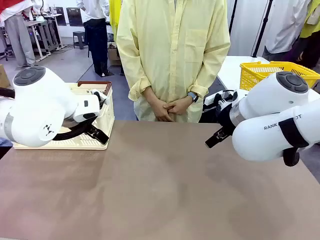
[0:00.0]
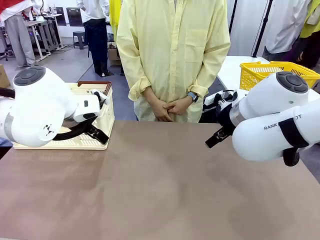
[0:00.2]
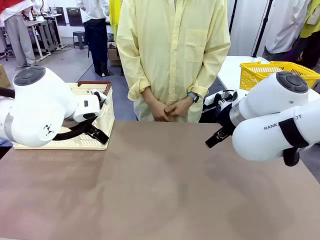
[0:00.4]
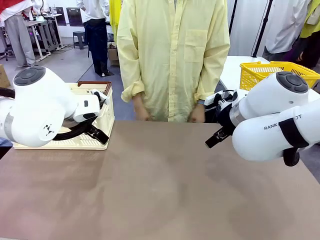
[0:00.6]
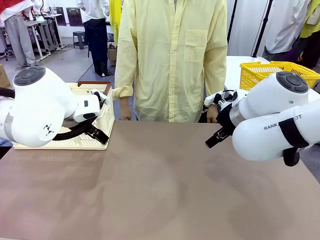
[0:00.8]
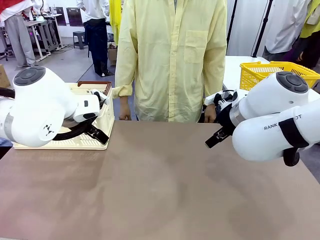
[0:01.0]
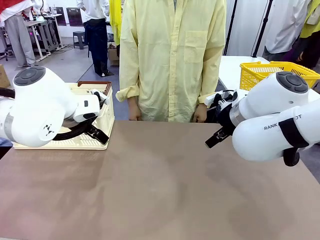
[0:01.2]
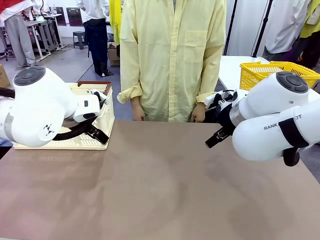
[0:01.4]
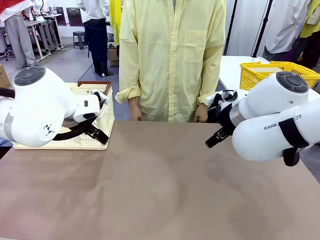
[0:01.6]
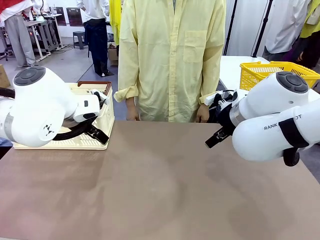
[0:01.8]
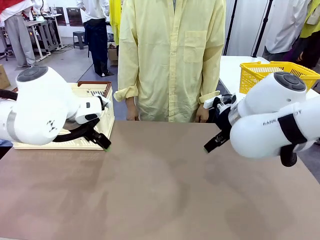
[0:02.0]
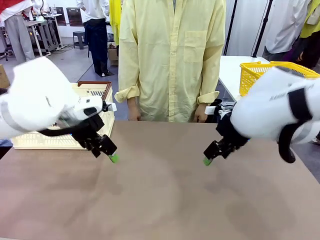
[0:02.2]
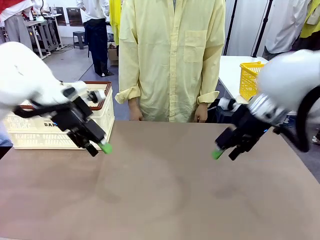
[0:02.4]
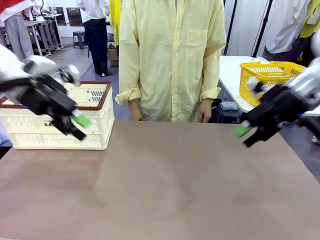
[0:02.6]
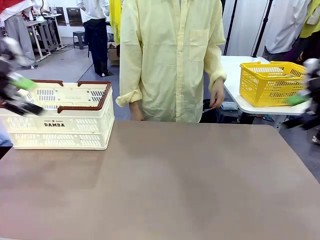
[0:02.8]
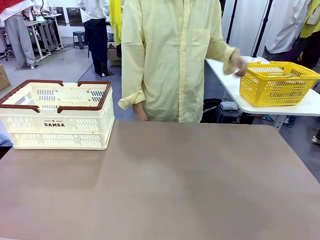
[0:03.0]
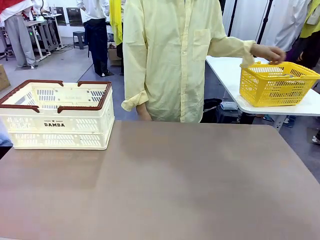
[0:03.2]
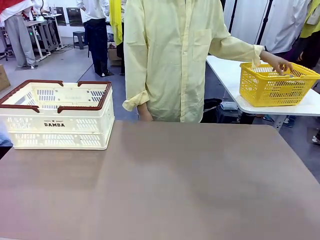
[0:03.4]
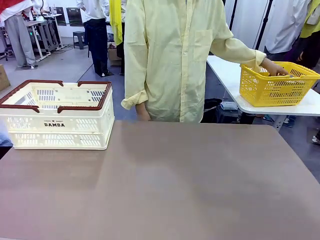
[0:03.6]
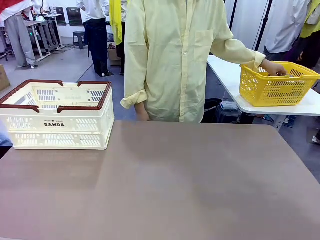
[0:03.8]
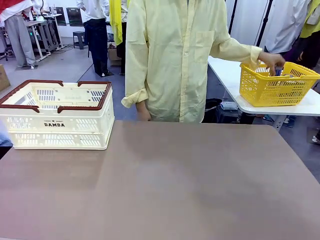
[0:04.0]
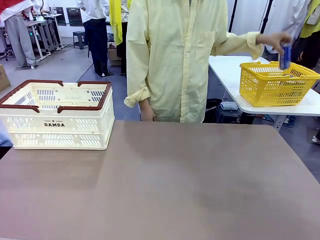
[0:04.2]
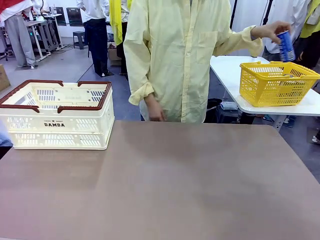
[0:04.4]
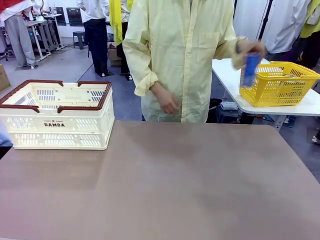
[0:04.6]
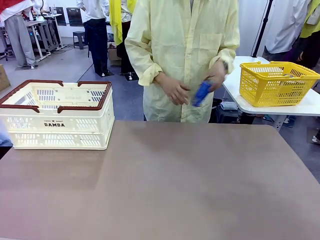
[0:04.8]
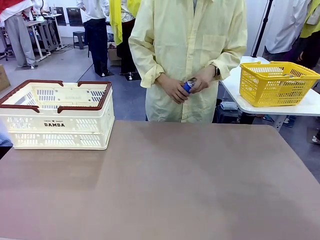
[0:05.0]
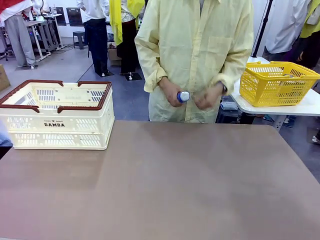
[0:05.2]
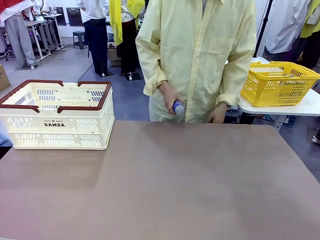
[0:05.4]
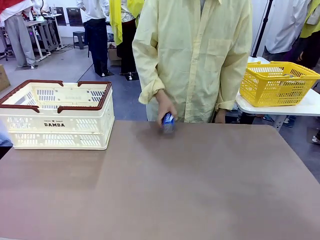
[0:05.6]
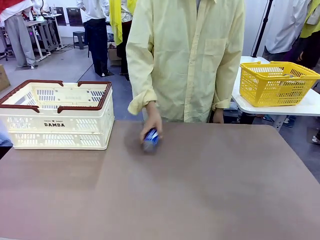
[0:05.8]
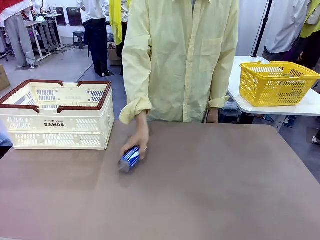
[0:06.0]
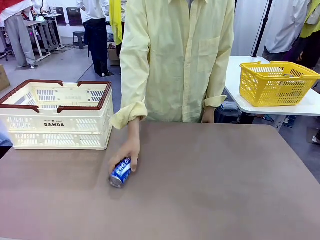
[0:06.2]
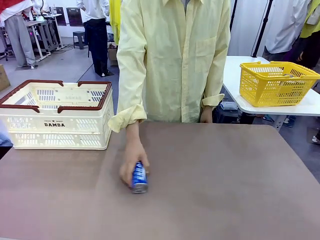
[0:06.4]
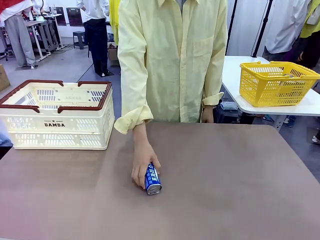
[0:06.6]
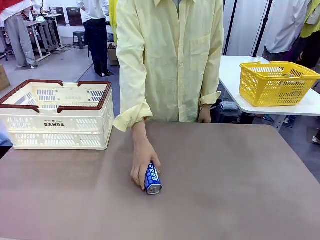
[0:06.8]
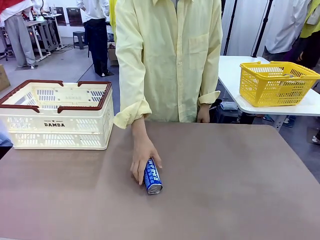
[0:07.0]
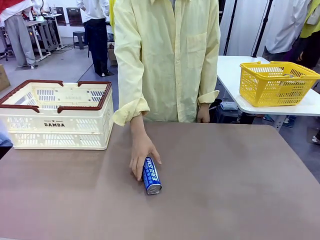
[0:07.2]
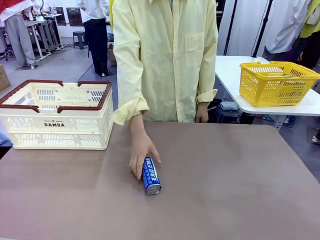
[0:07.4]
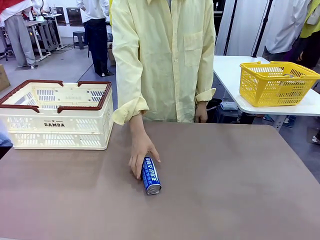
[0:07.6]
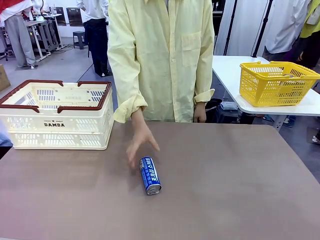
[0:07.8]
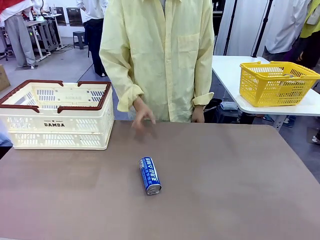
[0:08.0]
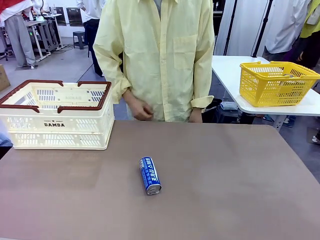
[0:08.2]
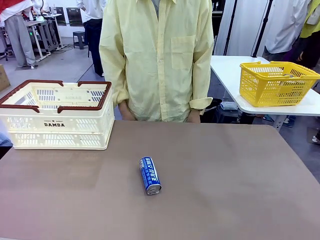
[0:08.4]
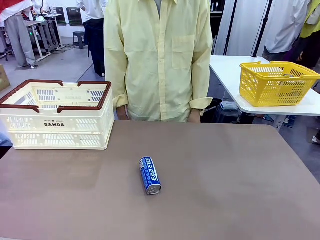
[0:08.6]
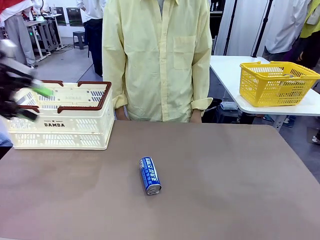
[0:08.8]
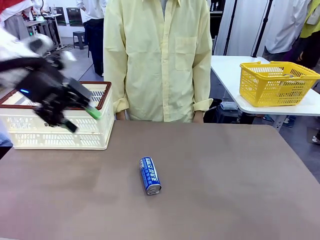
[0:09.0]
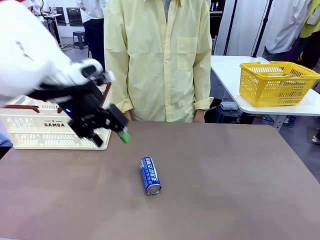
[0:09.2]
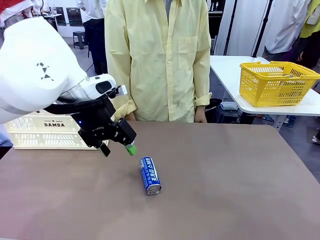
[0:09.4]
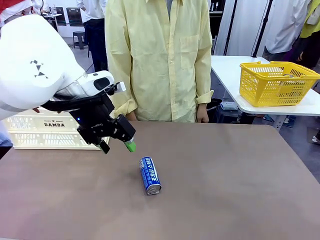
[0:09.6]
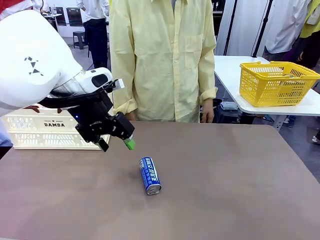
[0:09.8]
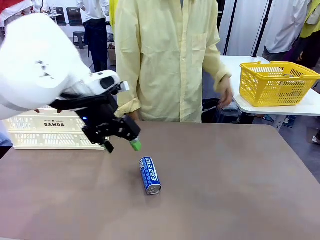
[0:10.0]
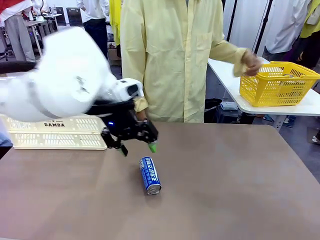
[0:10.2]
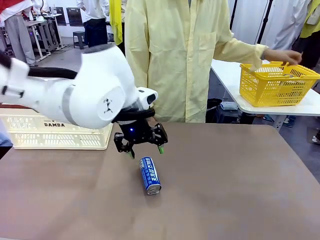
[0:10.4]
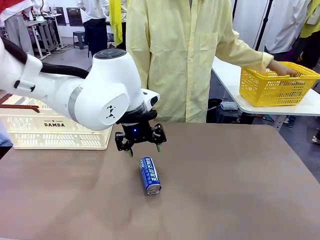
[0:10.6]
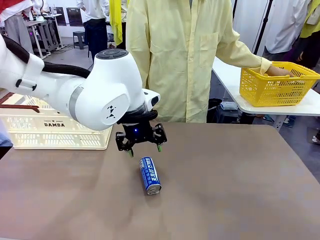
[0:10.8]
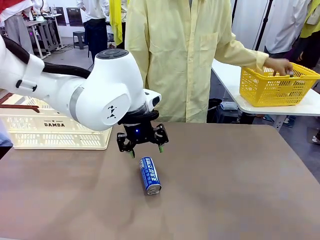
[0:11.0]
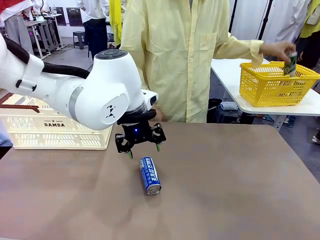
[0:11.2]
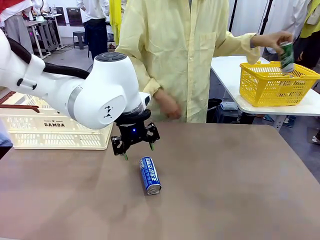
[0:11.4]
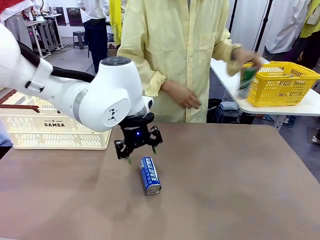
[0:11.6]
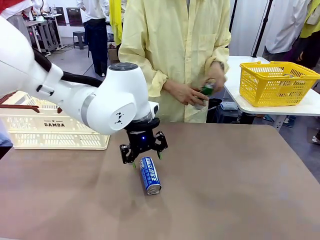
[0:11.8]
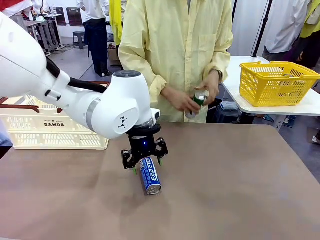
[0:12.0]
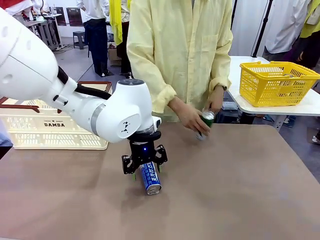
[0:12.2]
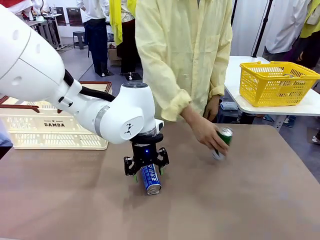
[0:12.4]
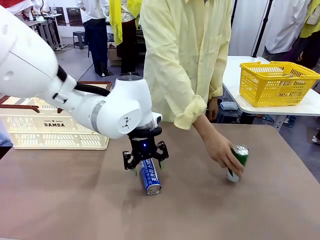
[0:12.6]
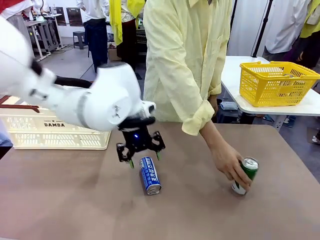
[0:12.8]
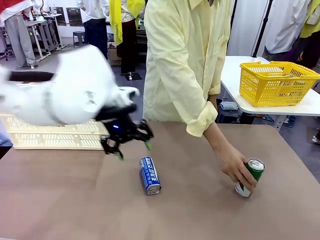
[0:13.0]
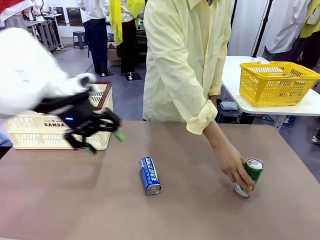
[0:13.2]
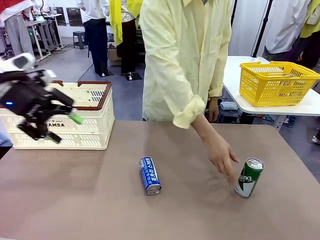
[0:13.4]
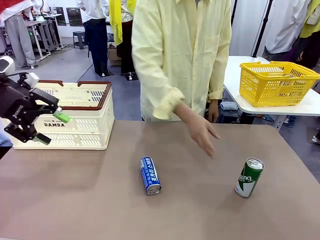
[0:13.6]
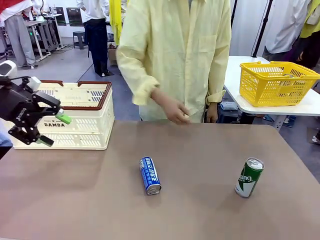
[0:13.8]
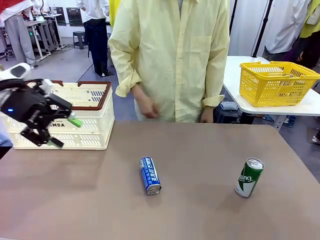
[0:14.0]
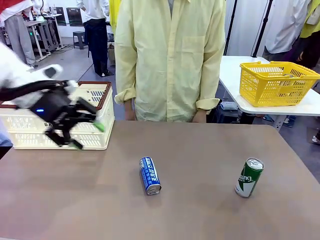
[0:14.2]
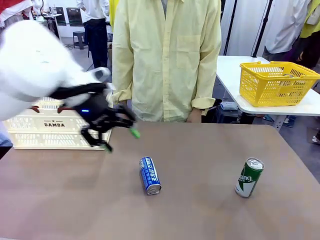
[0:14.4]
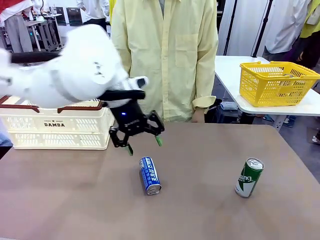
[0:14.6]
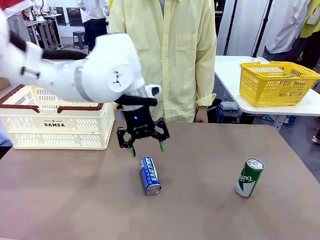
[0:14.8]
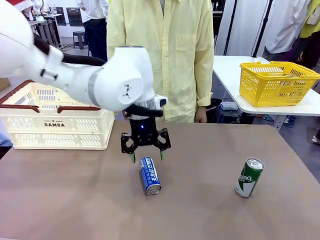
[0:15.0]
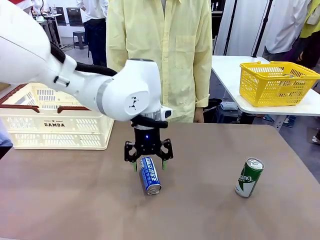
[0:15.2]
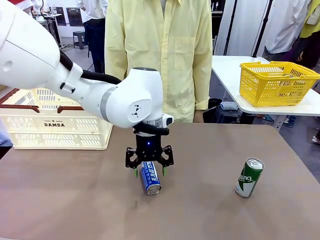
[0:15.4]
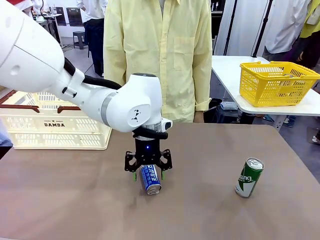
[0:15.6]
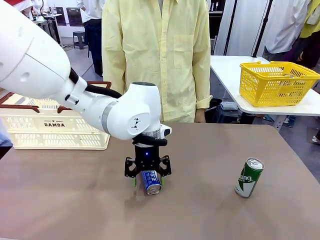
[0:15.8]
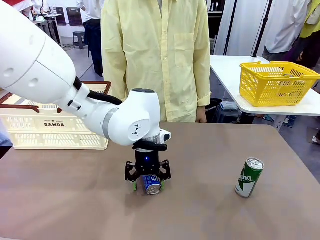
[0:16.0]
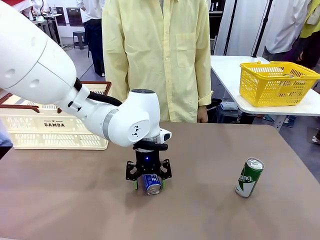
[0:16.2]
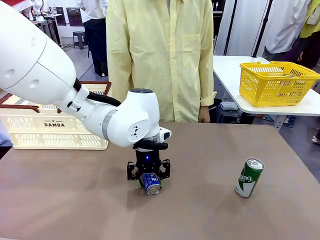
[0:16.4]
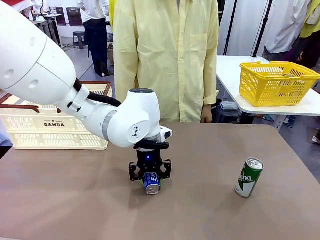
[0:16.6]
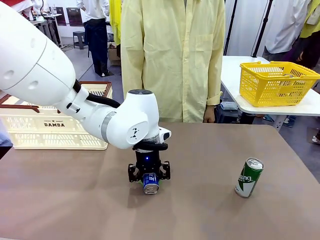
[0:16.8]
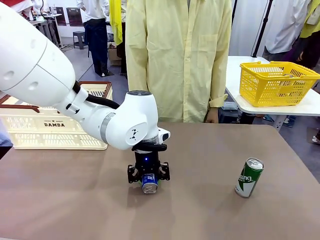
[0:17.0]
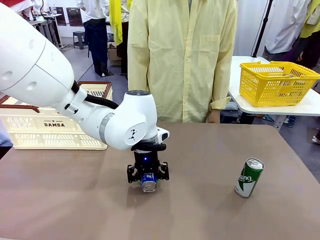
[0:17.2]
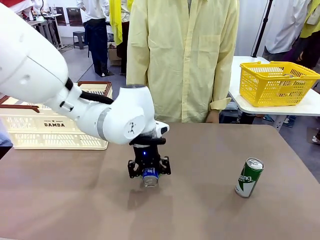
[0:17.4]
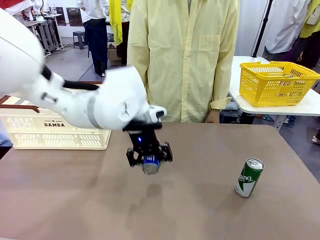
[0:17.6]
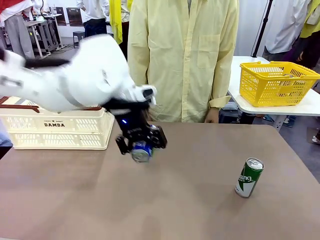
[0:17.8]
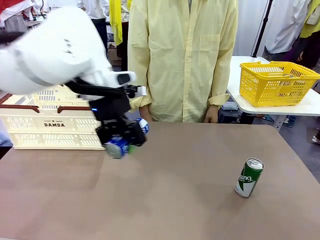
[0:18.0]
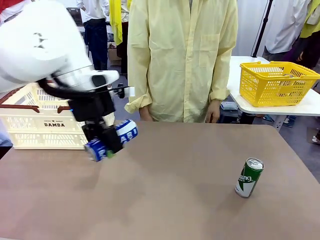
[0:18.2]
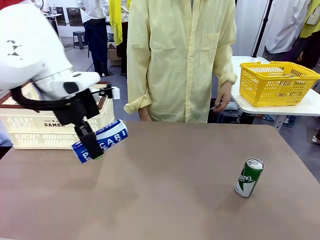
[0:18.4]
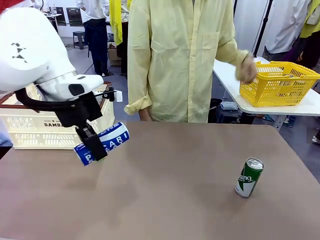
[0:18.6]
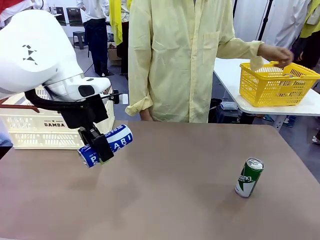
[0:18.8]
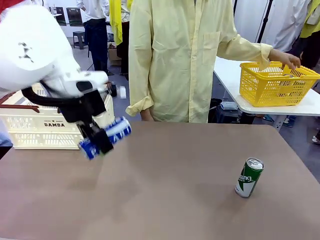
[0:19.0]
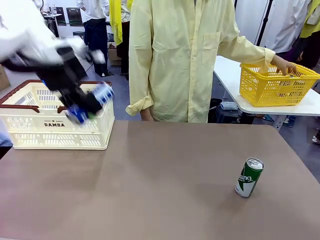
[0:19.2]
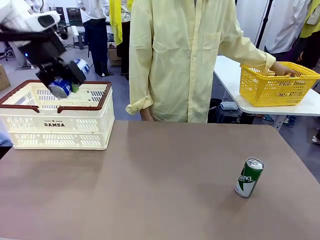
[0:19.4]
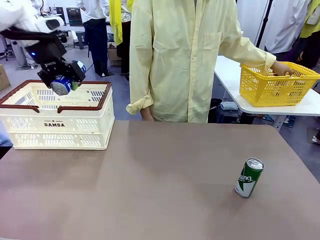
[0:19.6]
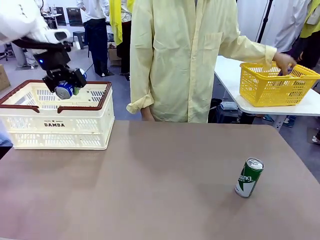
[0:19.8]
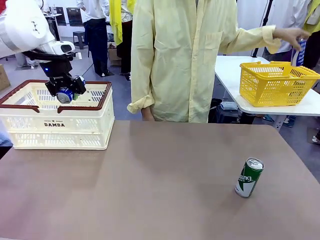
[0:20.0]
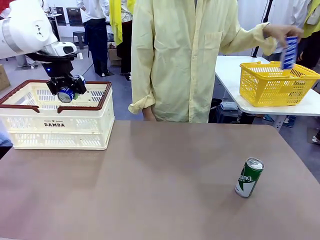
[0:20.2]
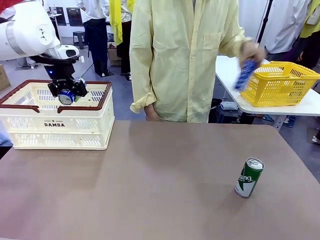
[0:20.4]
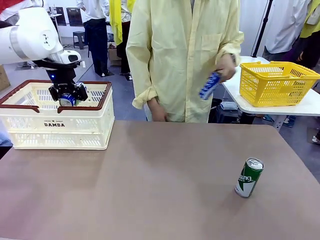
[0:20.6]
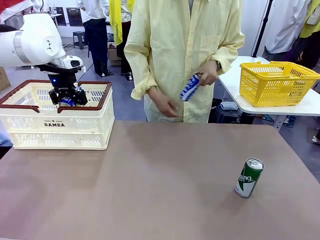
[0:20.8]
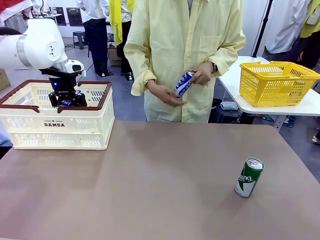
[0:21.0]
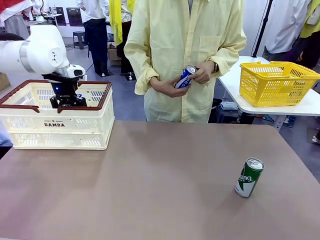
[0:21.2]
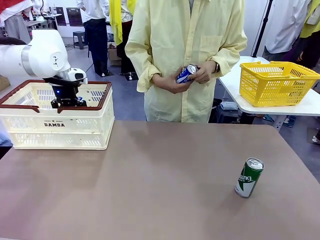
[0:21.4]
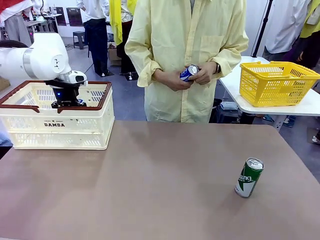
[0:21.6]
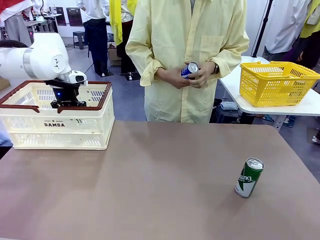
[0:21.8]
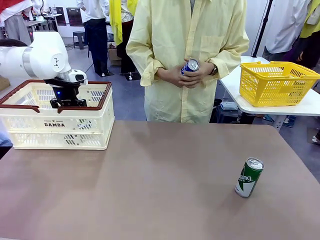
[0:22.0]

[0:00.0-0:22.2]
Task: Place the drinks into the Shopping basket.
Robot: Pick up one drink and place it into the Shopping basket.
